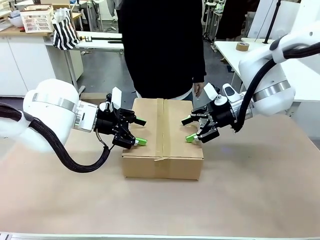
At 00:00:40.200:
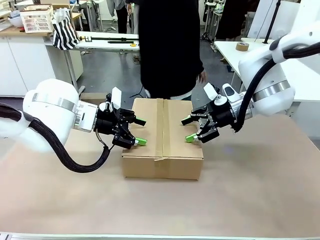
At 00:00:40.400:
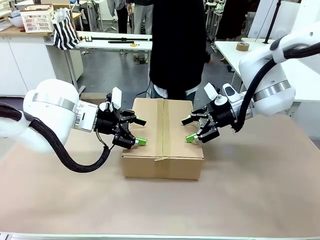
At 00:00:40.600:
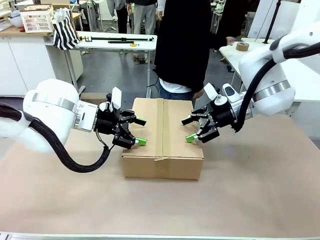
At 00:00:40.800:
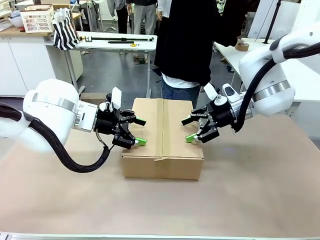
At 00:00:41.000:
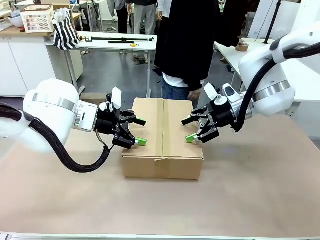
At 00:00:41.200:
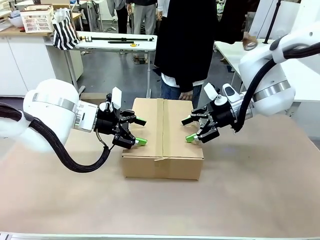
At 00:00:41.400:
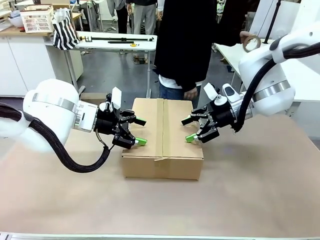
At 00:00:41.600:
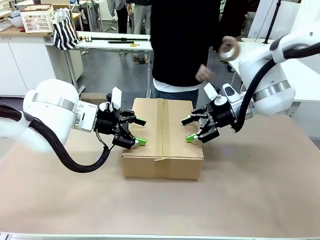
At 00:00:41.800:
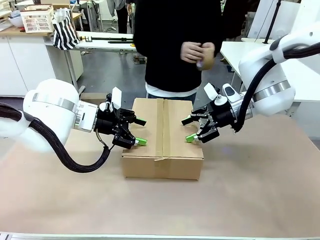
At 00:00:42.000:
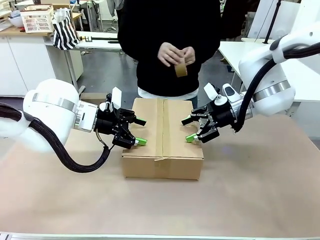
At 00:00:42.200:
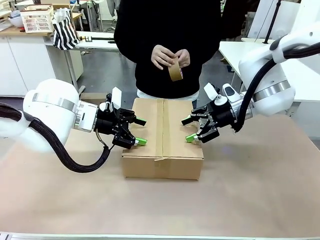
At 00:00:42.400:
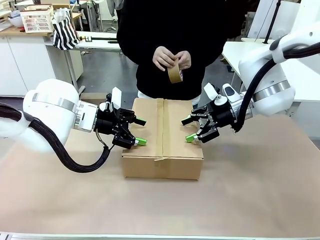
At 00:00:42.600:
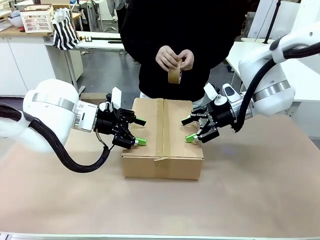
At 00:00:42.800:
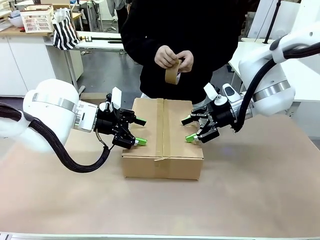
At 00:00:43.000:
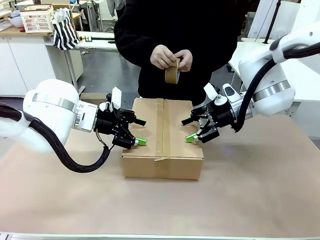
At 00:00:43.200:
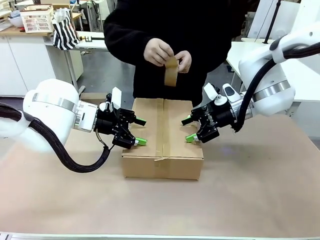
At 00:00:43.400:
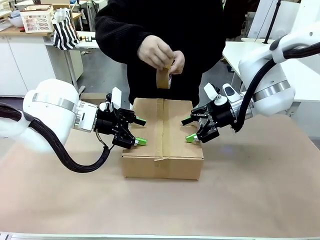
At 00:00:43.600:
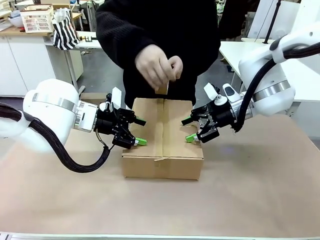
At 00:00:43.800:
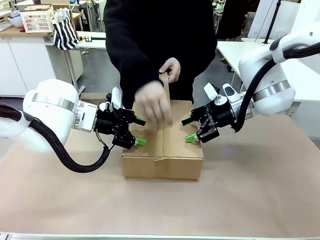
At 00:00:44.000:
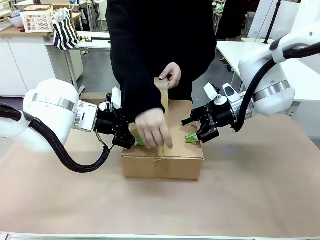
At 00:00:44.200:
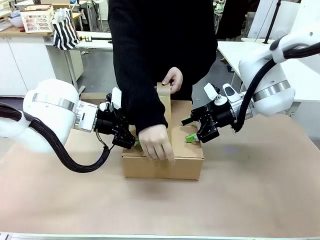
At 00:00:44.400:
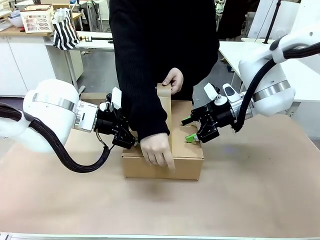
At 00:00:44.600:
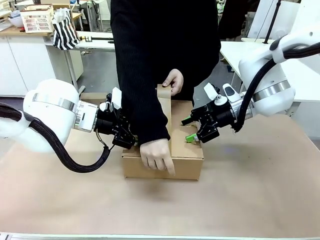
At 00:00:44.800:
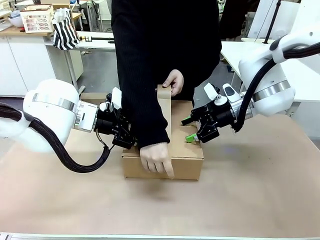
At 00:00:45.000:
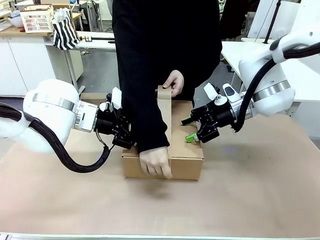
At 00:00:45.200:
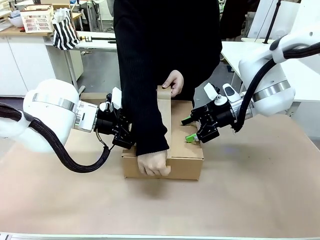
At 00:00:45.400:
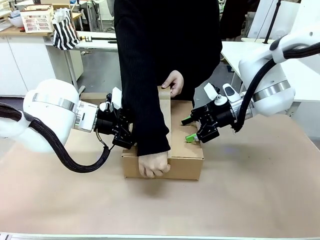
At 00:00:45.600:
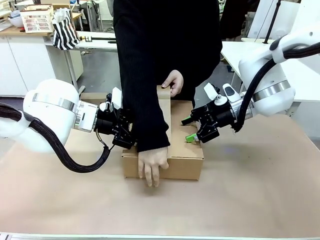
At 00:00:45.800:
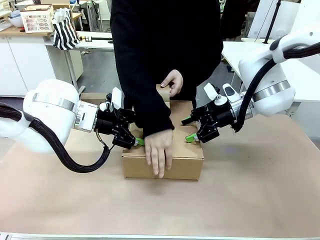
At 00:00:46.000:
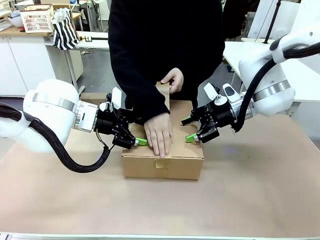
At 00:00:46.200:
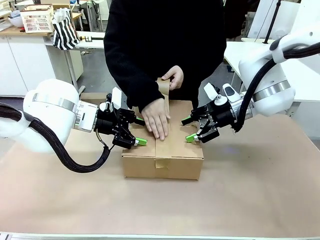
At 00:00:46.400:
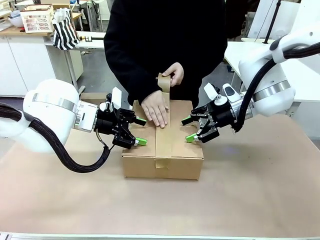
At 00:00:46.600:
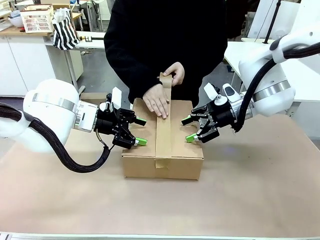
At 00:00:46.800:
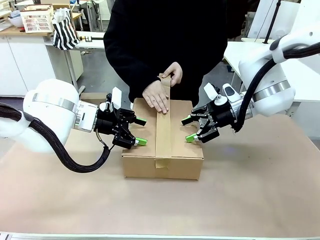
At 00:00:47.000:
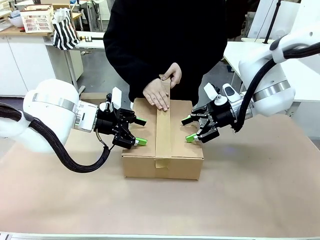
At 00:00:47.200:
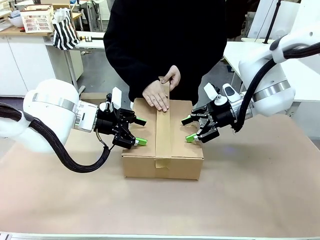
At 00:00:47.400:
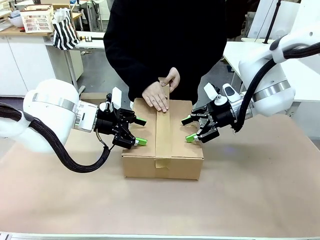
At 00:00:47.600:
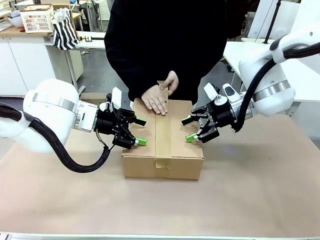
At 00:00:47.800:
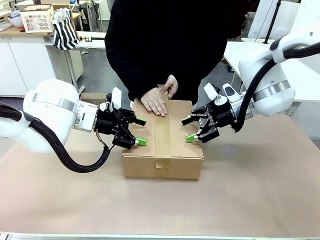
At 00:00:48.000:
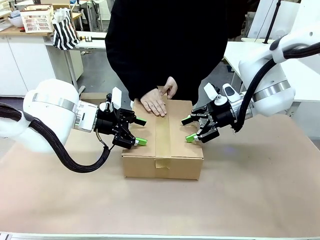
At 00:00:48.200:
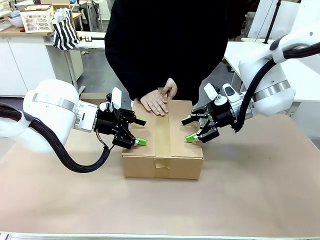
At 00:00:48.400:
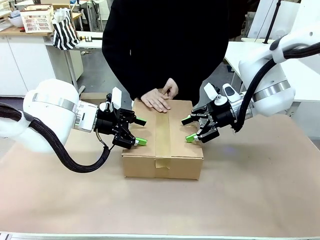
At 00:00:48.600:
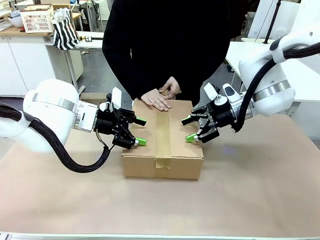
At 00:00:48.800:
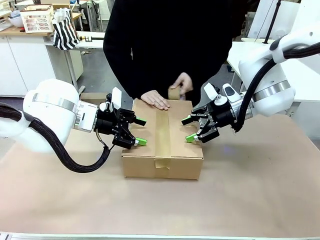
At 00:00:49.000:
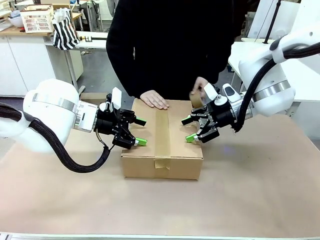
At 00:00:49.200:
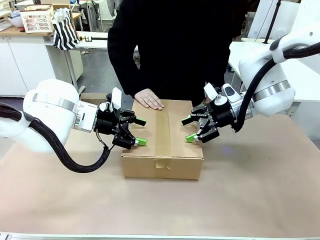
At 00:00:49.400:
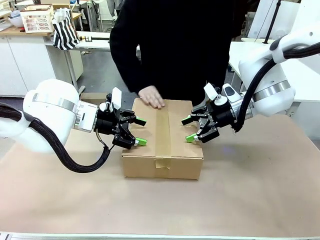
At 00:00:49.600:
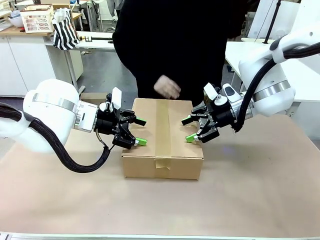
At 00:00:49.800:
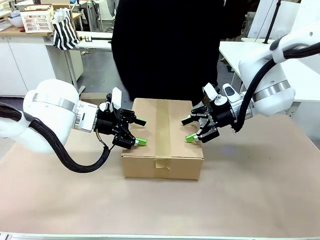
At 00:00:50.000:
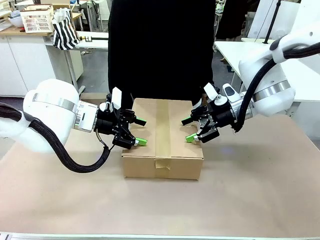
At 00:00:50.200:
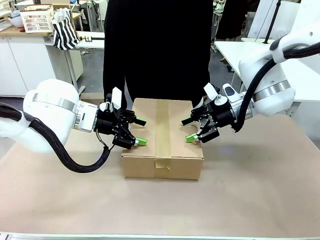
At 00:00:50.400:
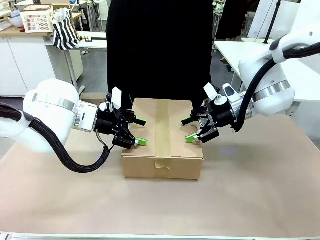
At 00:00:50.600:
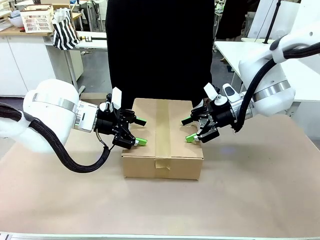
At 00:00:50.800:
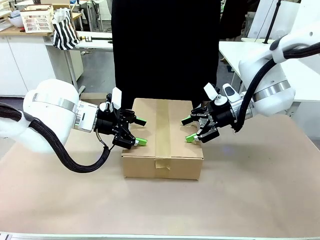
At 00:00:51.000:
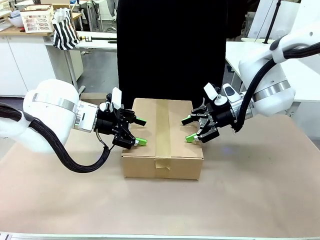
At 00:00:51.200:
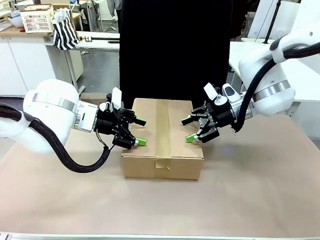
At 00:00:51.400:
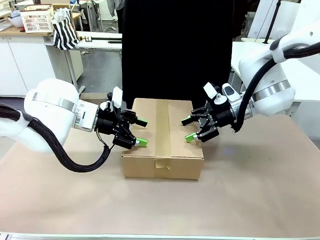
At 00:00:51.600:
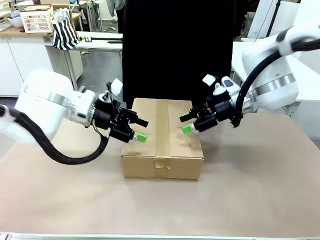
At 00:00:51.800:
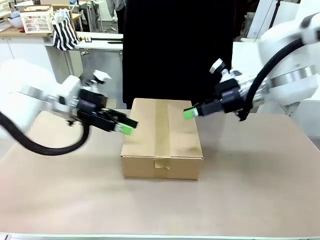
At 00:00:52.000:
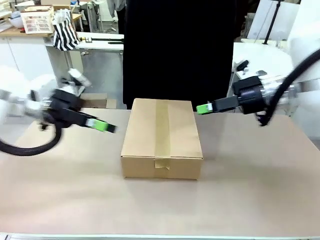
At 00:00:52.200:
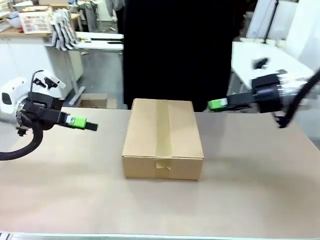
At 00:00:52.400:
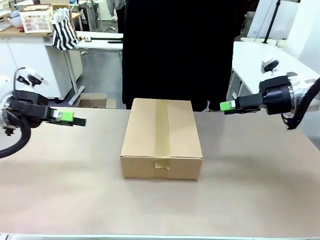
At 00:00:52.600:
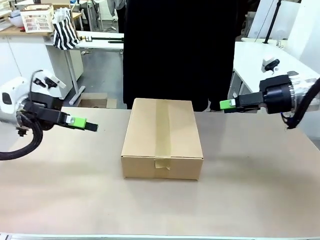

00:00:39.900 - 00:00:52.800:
Task: Pack the gift set into the box.
Robot: Press and hold the closed box until the human finishes sealing it.
Person: The human picks up the paper tape from the human table and packs the box.
